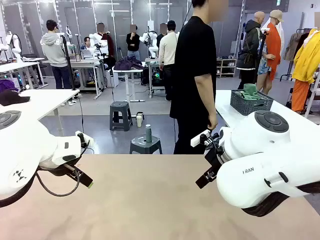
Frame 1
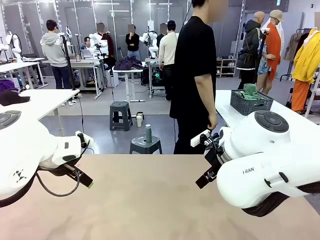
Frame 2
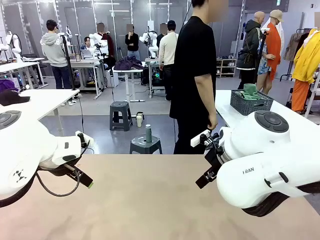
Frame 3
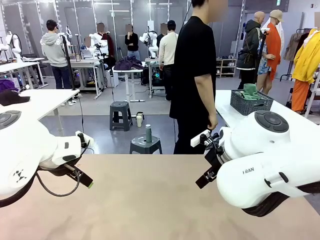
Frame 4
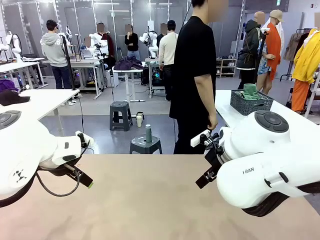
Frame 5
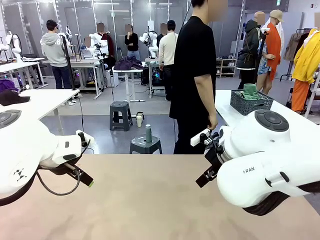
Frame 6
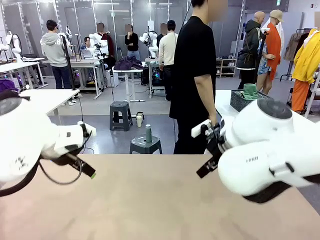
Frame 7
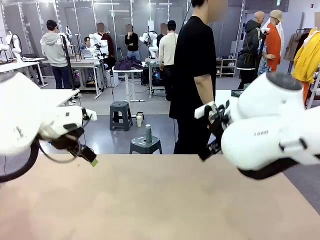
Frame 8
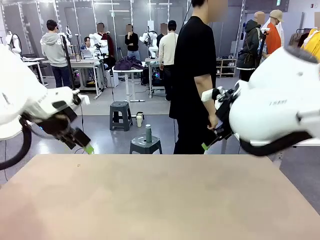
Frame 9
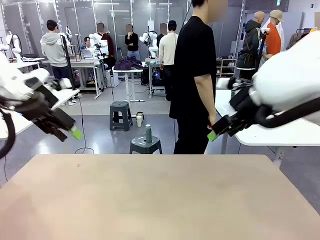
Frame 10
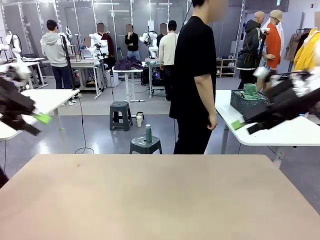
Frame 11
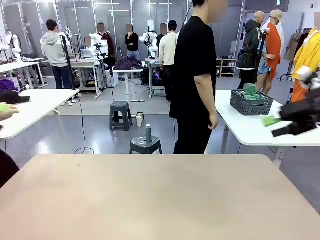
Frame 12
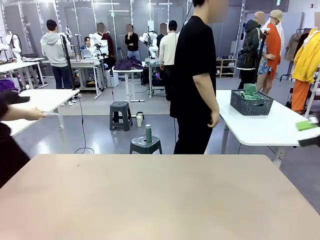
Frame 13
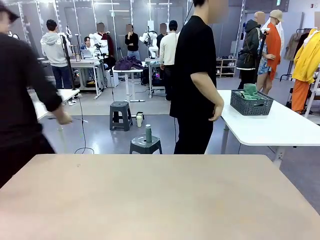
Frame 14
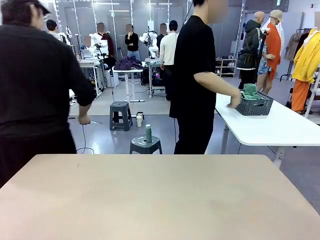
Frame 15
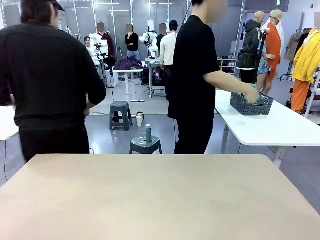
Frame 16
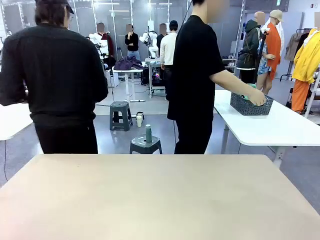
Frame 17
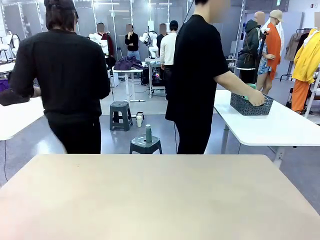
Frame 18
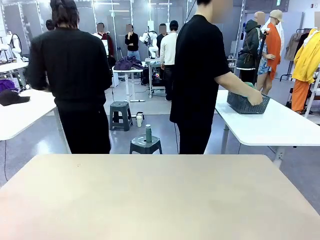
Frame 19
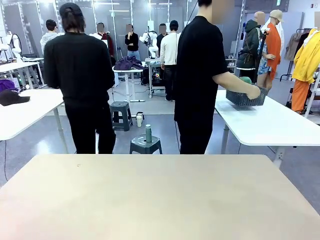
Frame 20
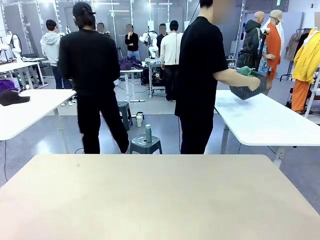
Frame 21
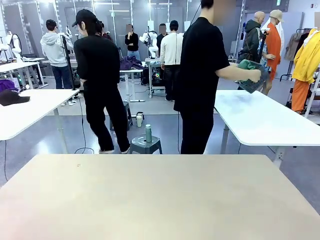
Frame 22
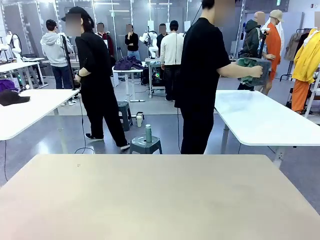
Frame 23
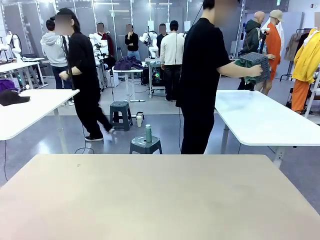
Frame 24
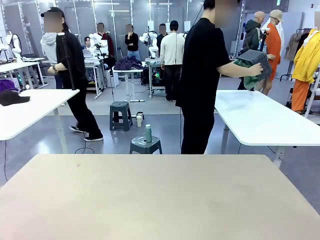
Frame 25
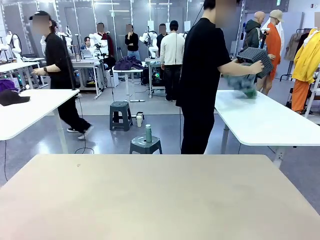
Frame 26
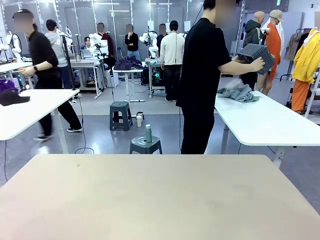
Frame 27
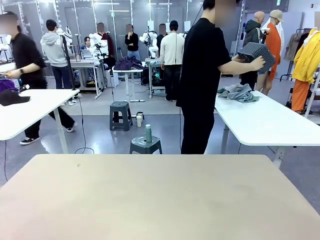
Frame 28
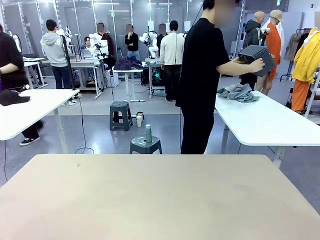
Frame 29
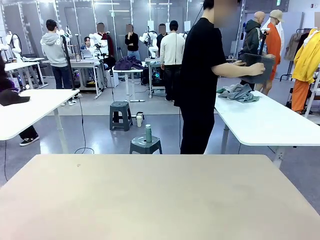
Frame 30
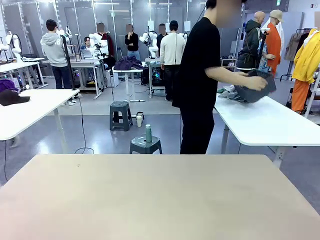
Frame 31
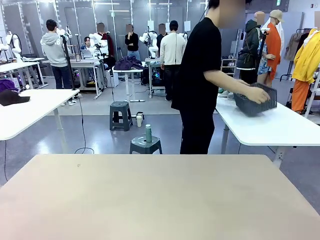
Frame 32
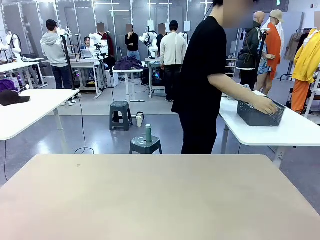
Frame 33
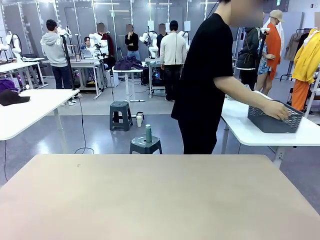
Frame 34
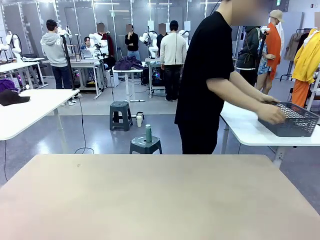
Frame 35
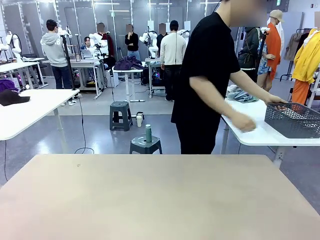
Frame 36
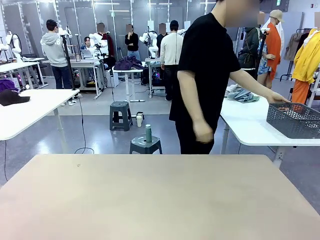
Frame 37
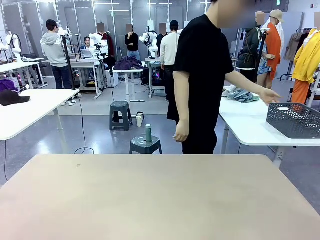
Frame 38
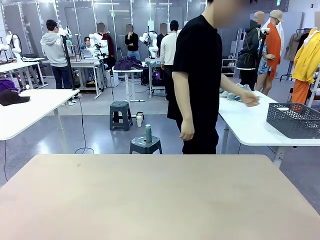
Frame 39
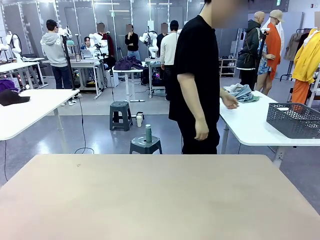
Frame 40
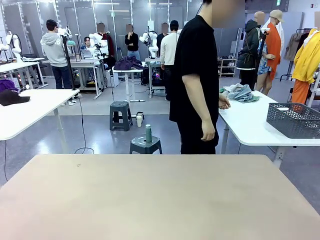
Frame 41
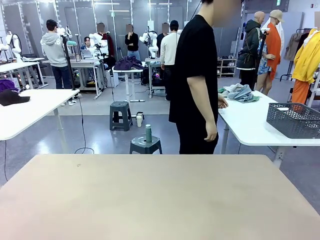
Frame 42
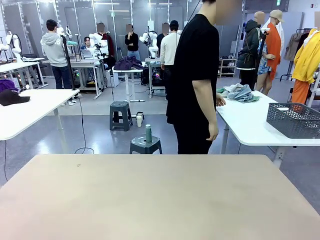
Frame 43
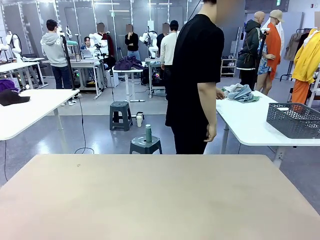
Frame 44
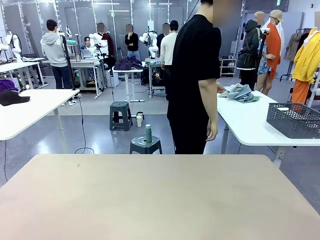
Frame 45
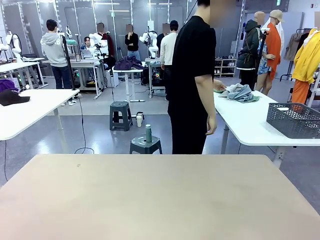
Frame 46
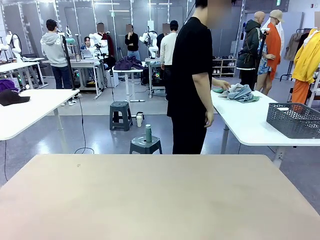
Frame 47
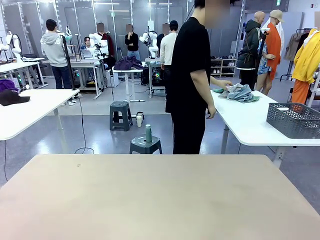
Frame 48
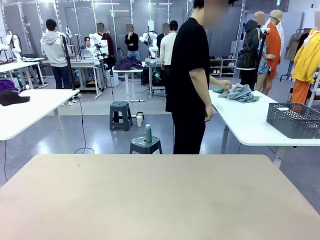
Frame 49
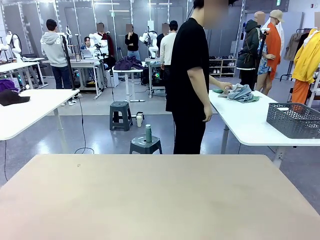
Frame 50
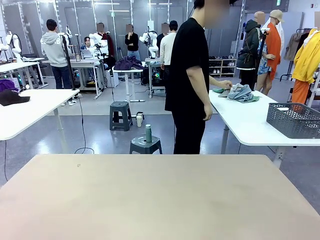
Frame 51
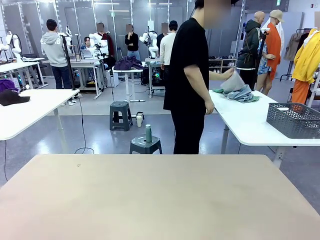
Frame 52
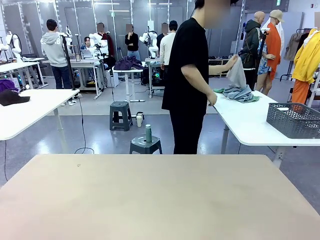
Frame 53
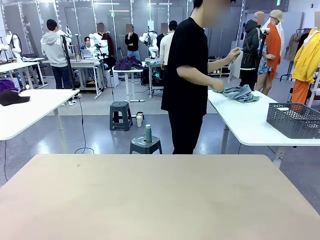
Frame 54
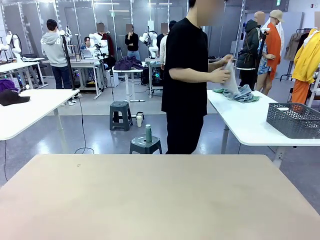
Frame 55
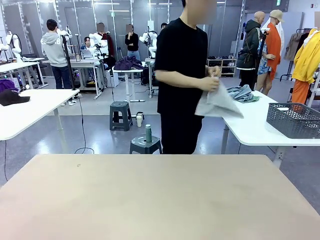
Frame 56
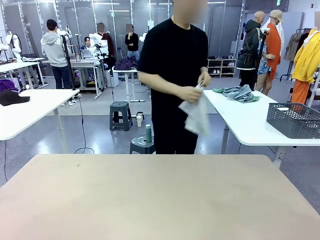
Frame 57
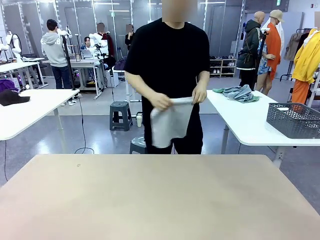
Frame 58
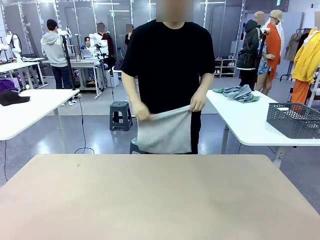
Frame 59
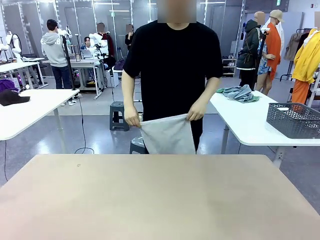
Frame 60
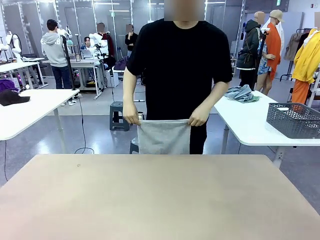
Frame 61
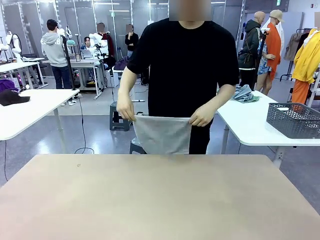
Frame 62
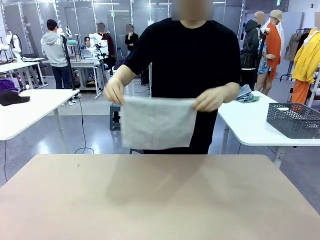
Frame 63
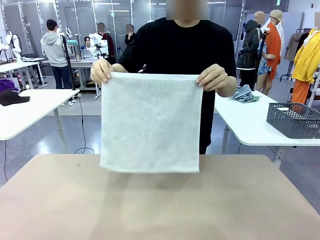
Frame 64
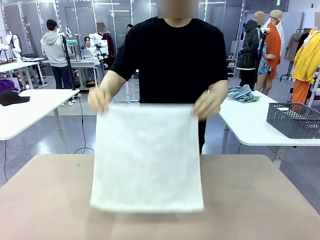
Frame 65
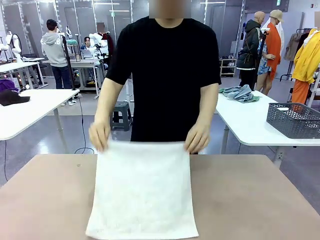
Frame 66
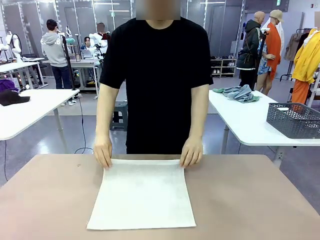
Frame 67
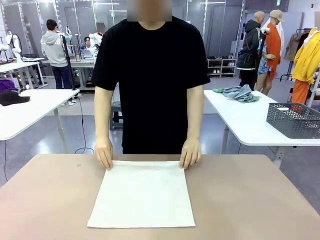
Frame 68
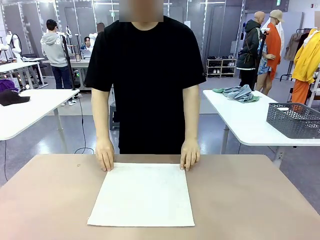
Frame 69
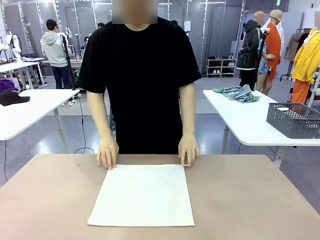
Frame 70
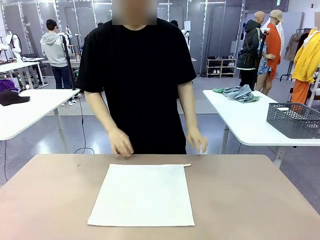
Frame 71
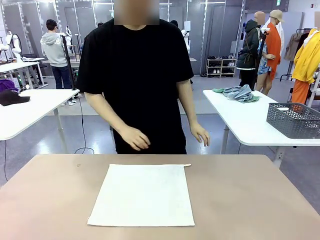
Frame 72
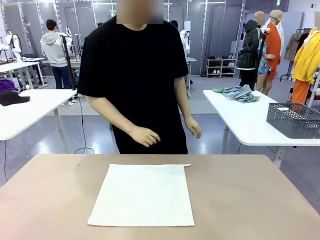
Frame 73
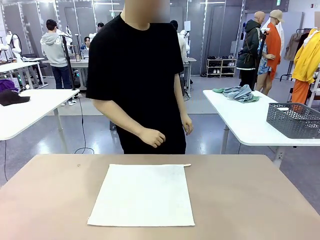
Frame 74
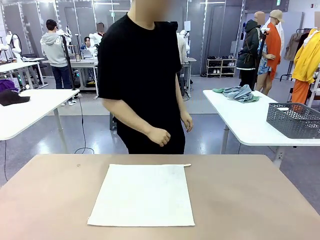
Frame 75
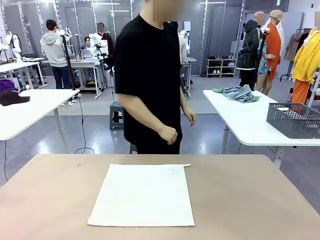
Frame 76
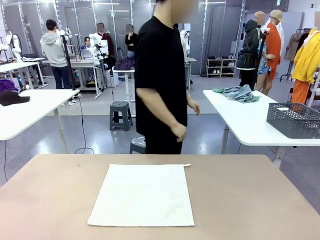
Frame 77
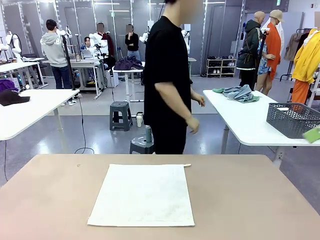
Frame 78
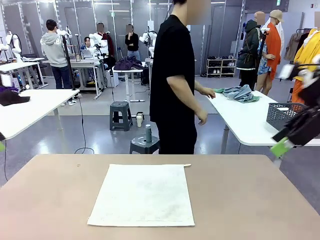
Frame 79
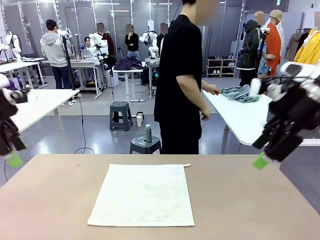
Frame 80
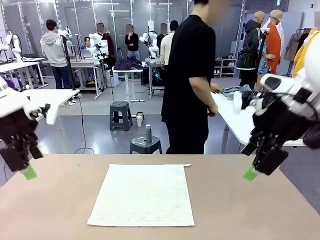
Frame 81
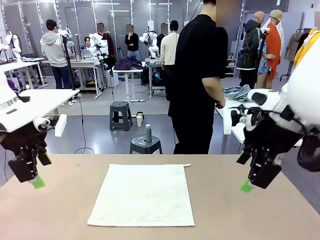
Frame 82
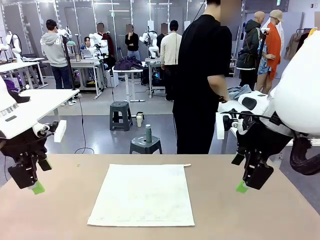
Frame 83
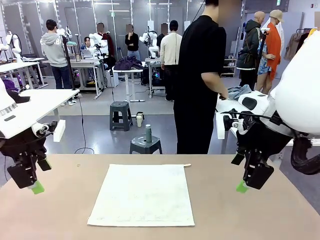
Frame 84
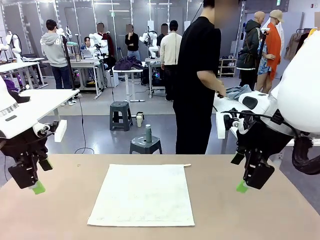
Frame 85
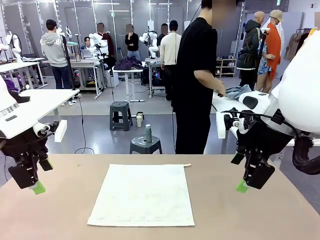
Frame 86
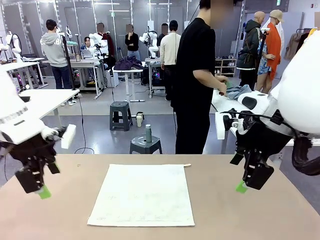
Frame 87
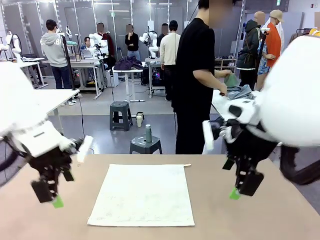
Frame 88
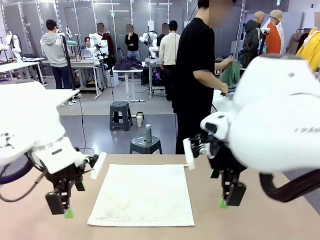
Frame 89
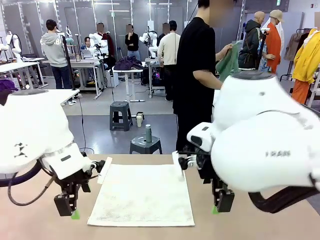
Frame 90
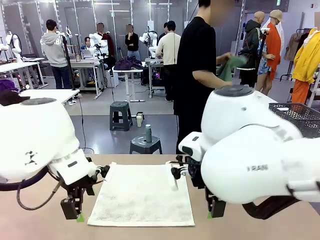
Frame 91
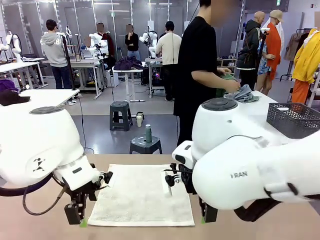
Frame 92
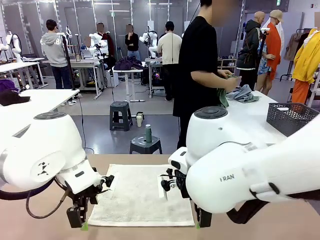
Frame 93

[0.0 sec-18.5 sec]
Task: Fold the towels and place them in the basket.
Robot: When a person lays out a Towel with hook on the table, fold it in half twice.
Person: Pick up the basket, pour the towels onto the left side of the human table, and place the basket on the right side. Pick up one towel and spread it out at the center of the robot table.
